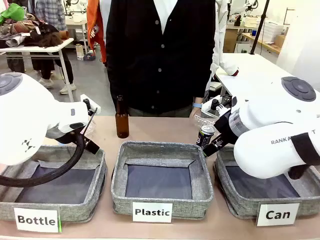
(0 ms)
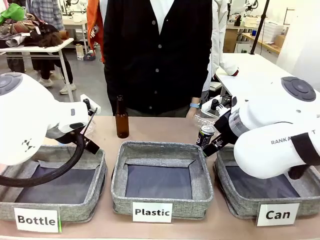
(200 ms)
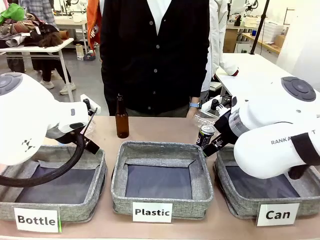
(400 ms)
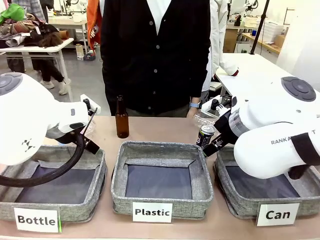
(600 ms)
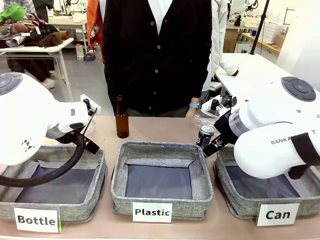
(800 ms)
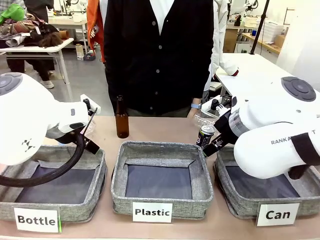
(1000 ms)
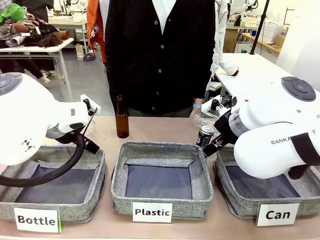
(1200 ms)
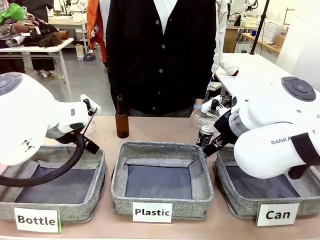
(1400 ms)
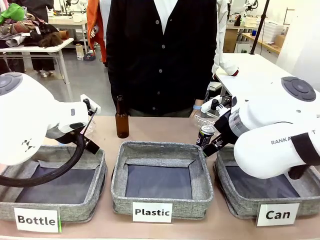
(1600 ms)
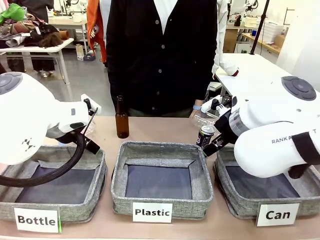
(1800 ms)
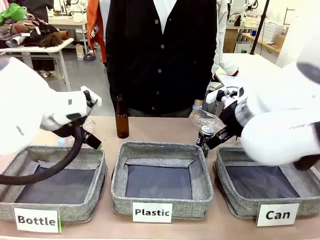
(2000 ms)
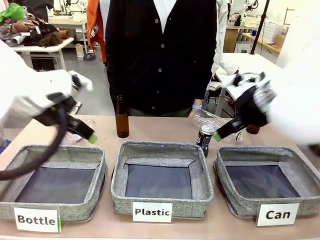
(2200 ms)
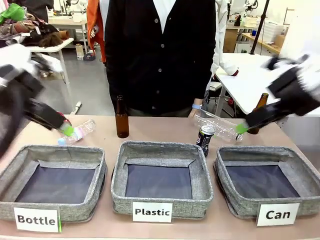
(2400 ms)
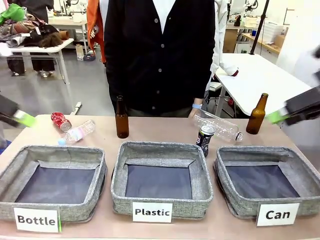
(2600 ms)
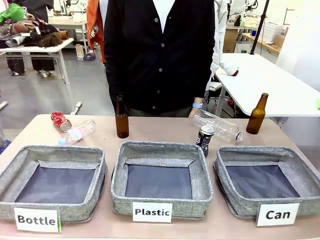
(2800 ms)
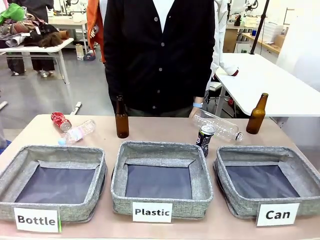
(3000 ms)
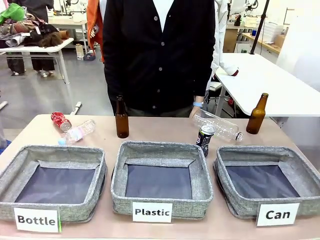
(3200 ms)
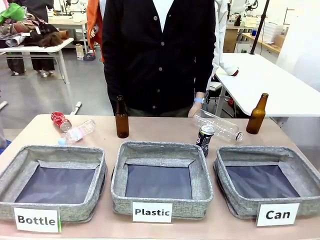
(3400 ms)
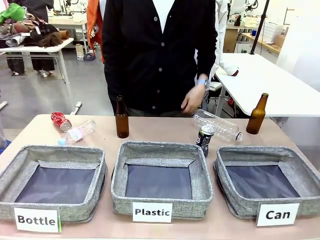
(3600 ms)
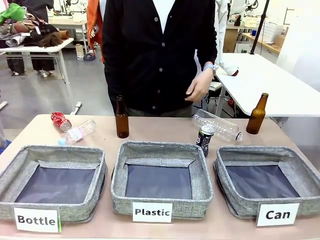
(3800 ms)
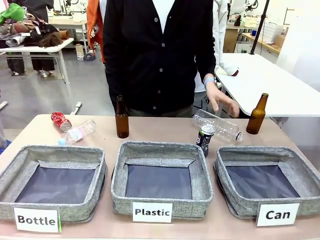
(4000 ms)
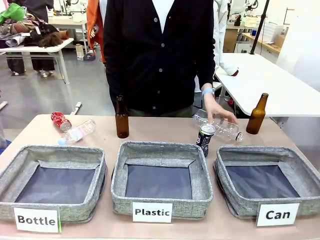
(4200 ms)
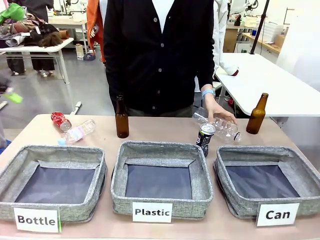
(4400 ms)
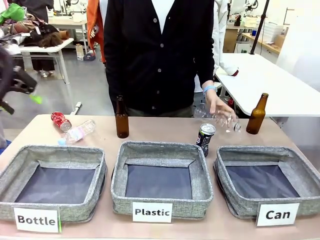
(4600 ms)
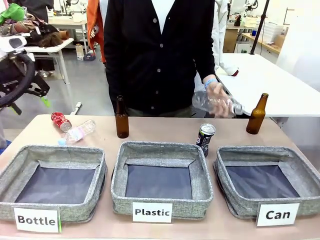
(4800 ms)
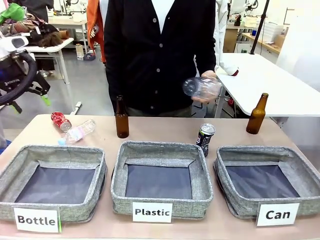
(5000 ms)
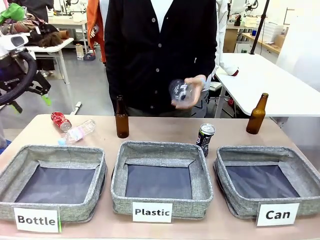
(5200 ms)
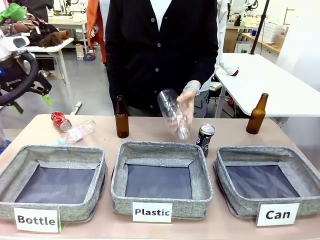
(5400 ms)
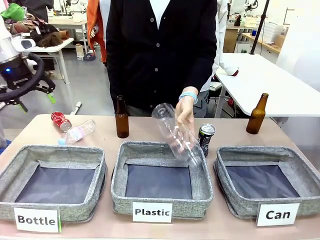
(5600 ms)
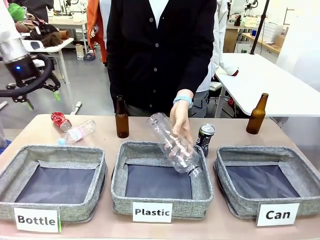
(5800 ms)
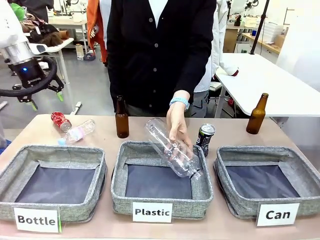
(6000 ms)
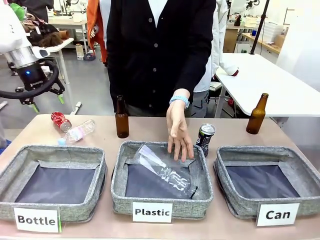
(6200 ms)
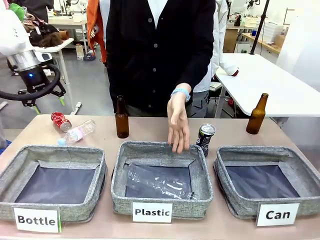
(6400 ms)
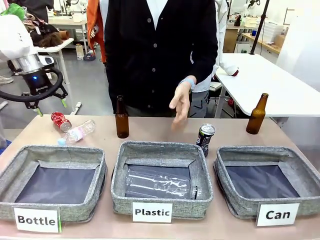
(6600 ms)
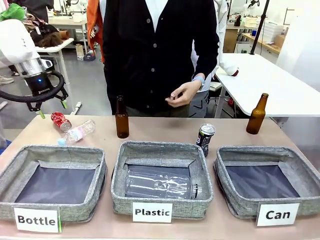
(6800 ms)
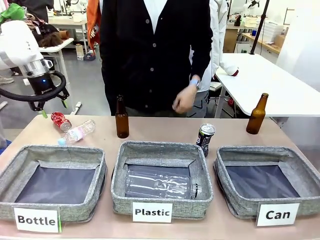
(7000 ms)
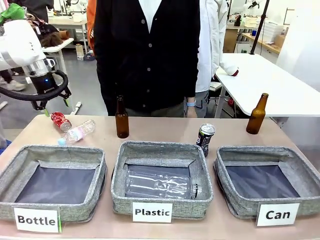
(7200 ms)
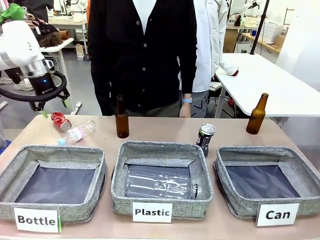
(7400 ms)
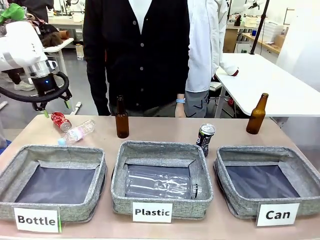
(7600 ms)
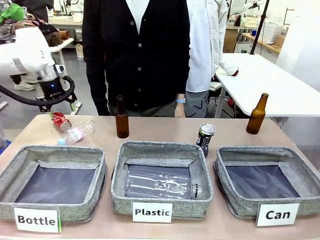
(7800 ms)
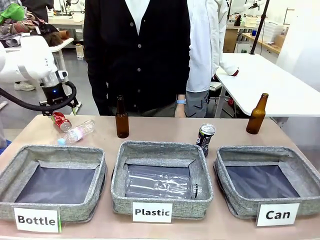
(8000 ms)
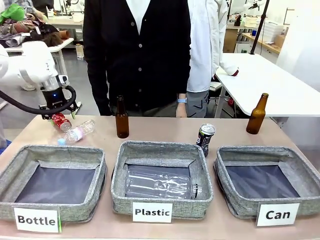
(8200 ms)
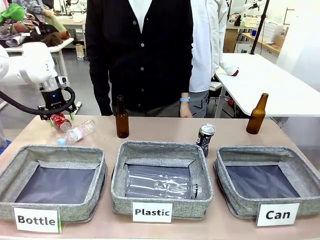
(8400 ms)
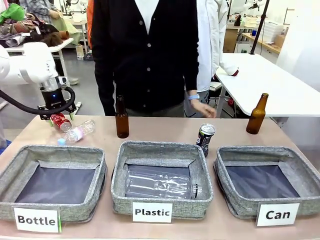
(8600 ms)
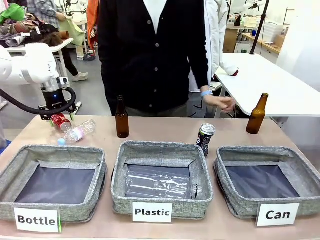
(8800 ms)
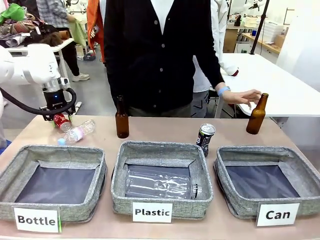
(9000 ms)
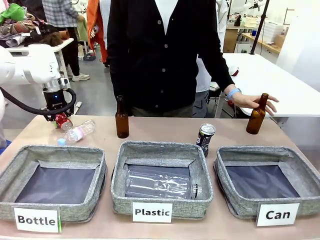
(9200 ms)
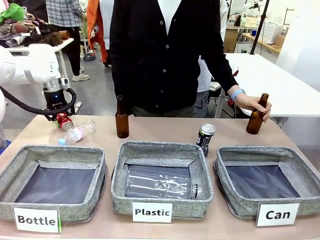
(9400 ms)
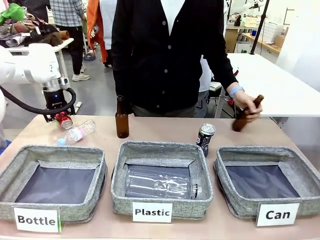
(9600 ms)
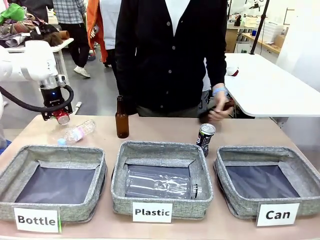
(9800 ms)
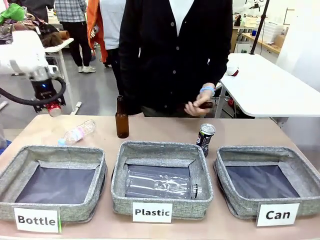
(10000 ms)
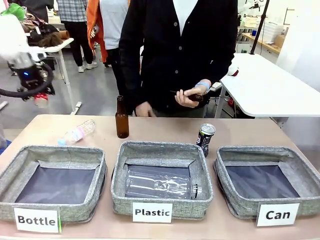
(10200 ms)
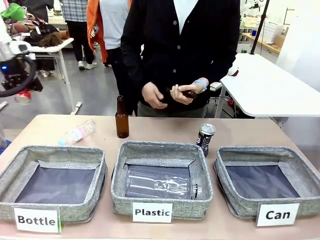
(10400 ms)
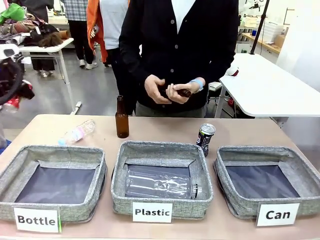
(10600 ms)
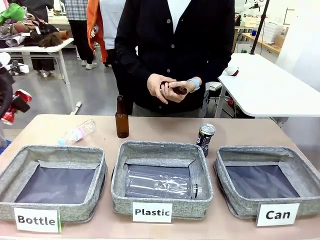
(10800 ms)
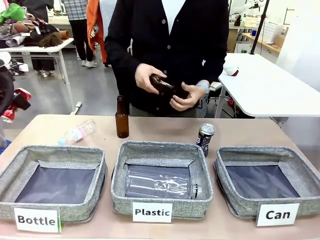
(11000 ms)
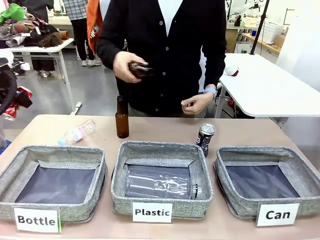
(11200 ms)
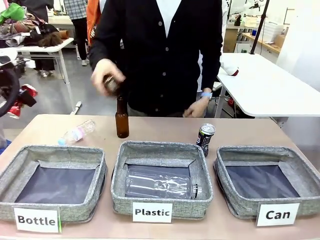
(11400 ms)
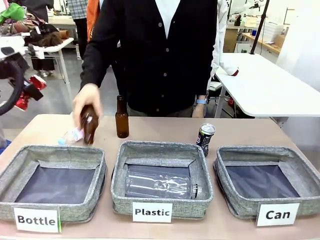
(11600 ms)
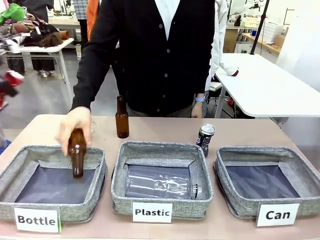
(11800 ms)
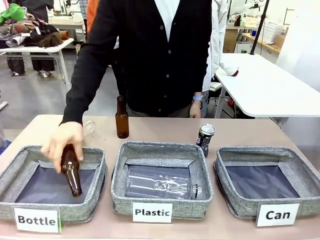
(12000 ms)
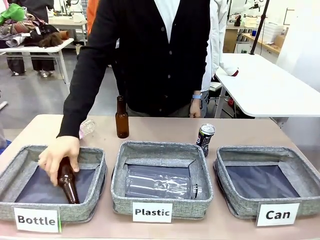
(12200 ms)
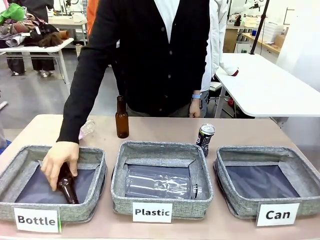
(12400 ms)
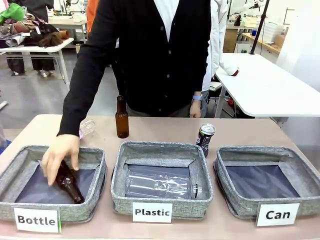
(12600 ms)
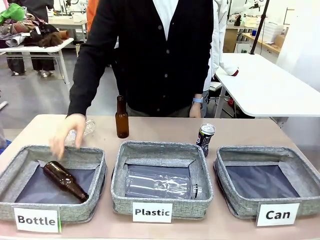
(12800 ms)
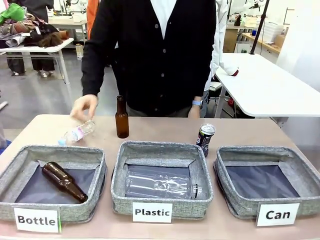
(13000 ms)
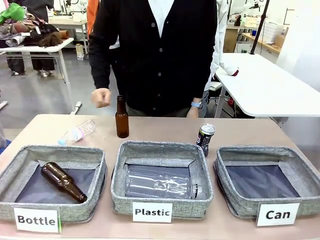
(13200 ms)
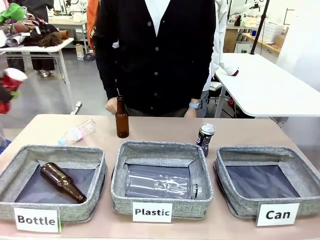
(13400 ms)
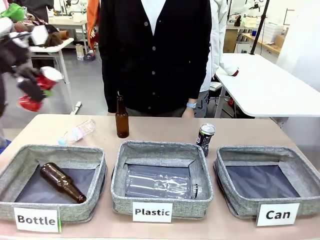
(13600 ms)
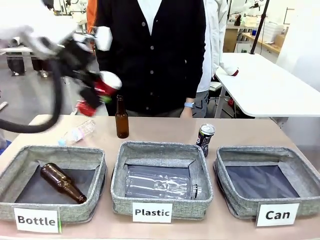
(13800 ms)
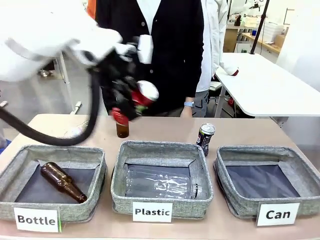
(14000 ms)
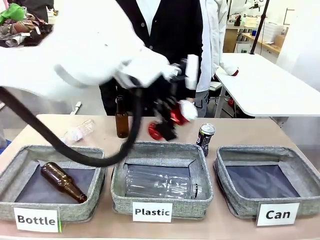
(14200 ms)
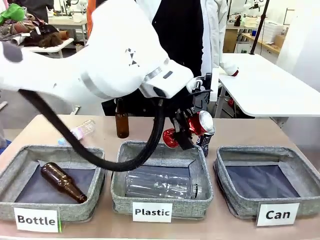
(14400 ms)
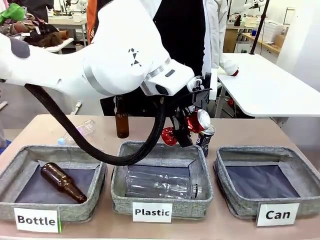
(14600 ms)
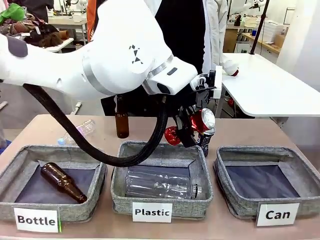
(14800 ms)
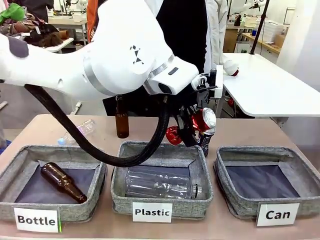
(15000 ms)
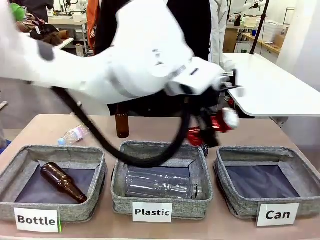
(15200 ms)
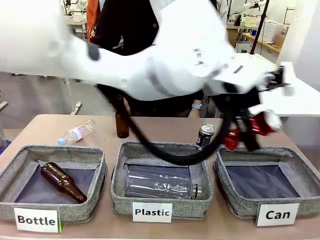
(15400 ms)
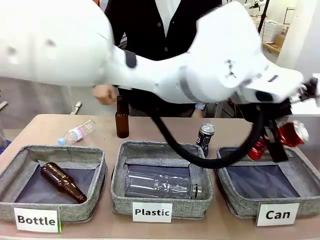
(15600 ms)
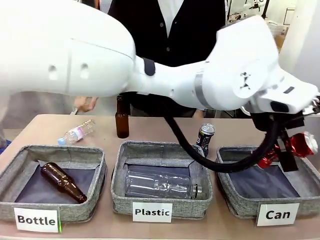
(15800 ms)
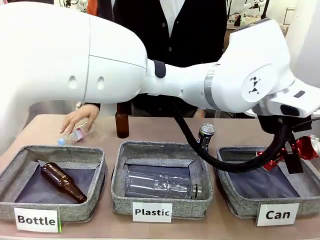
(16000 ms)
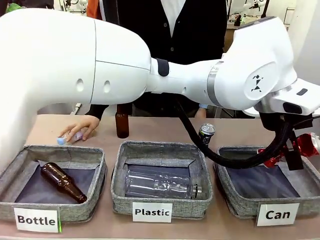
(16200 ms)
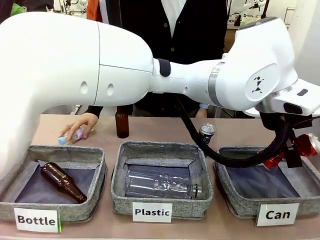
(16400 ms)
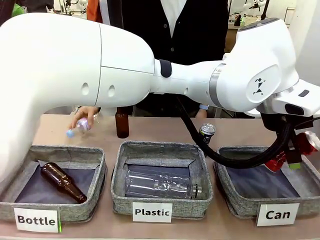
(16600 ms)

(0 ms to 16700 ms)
Task: Sort the can waste into the basket.
Robot: Pick up the can waste from the table and place it in the right Fabric basket.
